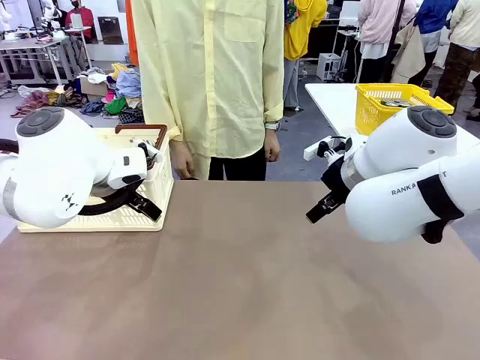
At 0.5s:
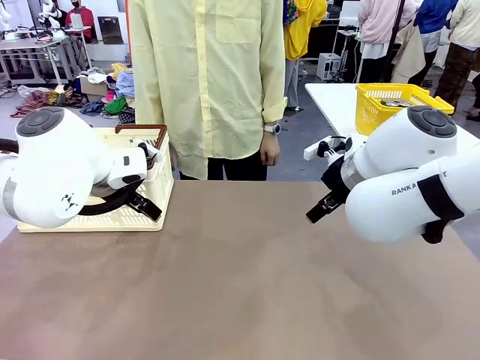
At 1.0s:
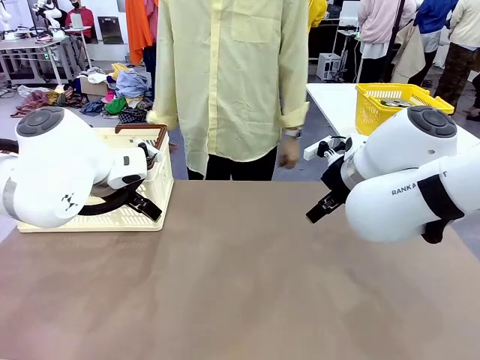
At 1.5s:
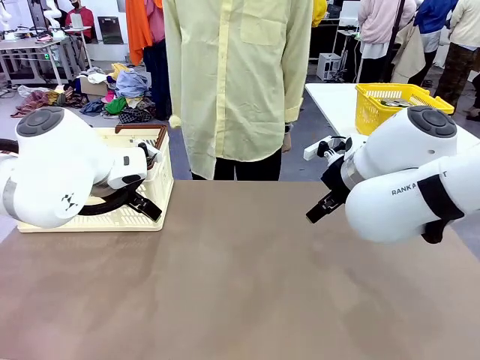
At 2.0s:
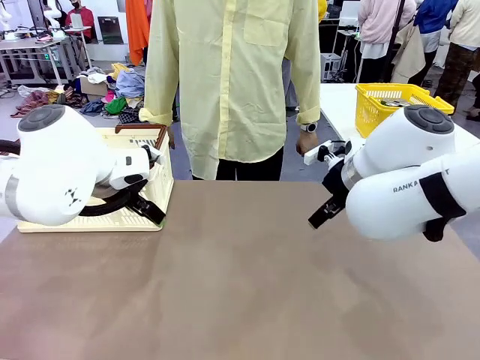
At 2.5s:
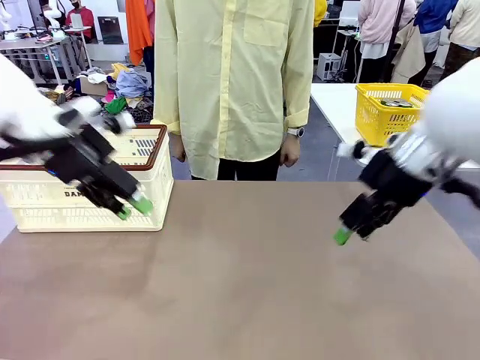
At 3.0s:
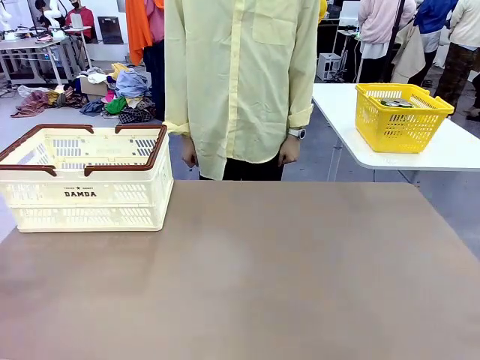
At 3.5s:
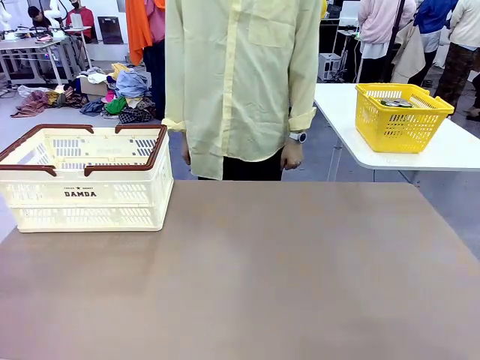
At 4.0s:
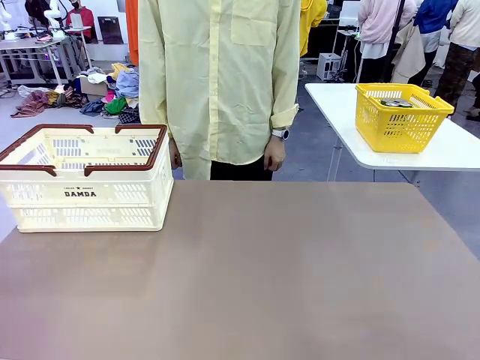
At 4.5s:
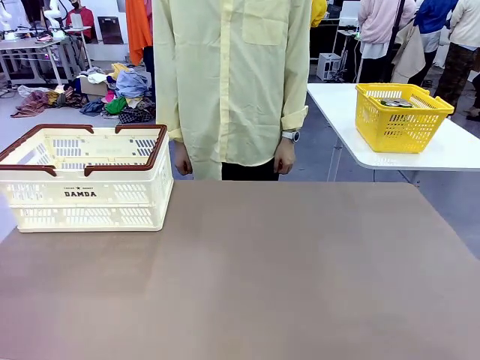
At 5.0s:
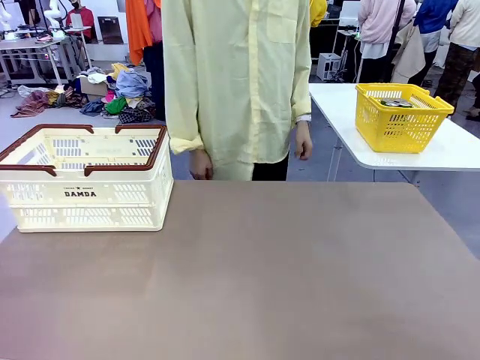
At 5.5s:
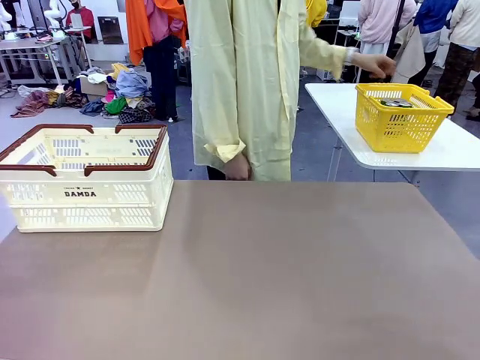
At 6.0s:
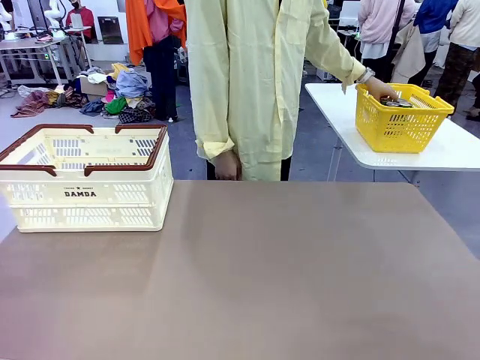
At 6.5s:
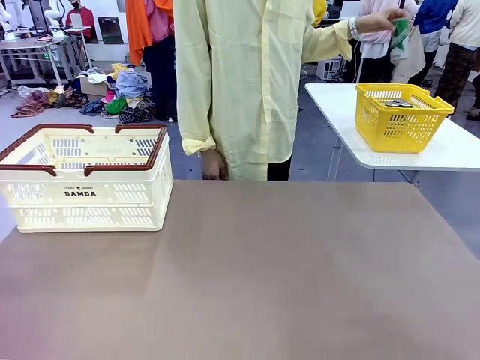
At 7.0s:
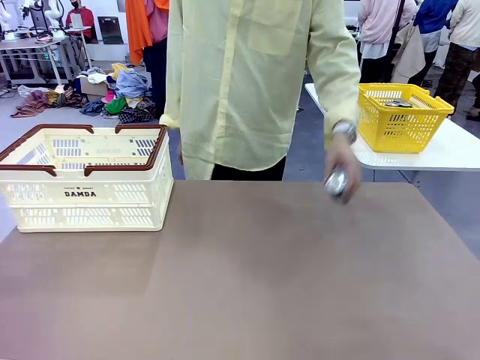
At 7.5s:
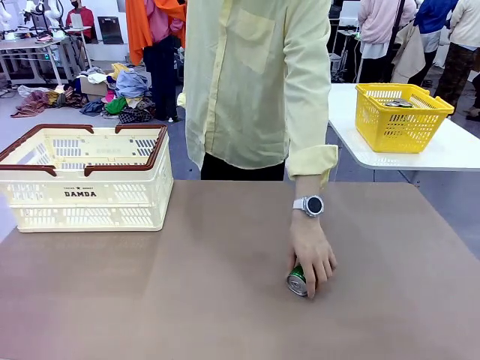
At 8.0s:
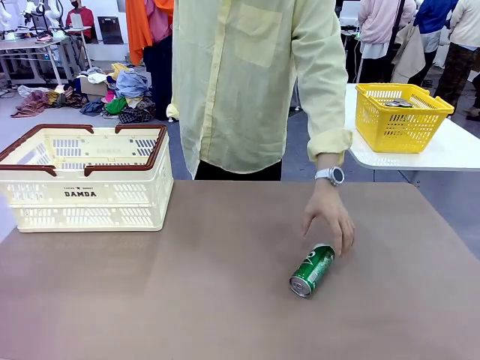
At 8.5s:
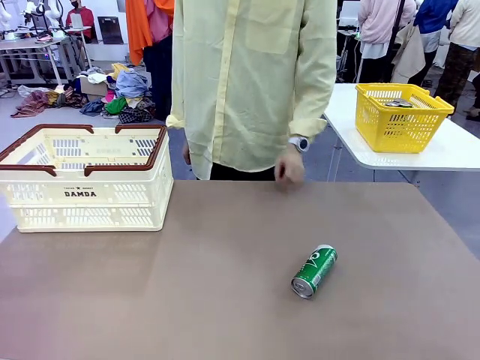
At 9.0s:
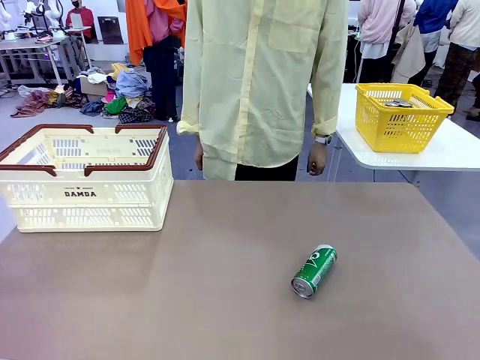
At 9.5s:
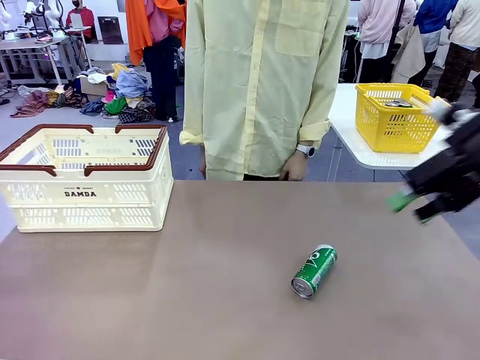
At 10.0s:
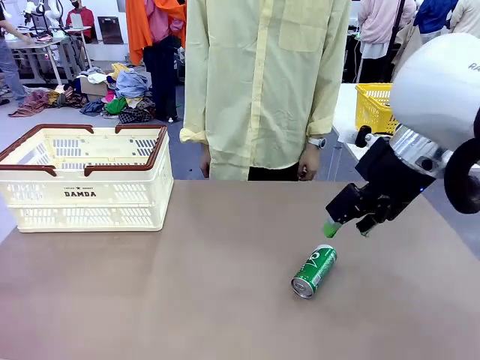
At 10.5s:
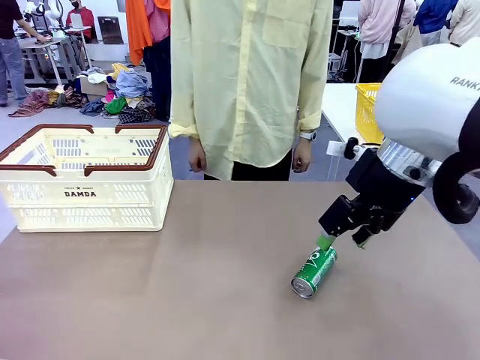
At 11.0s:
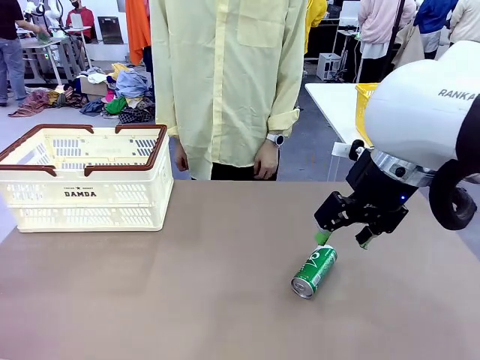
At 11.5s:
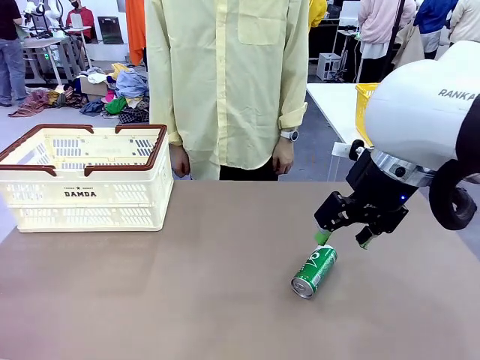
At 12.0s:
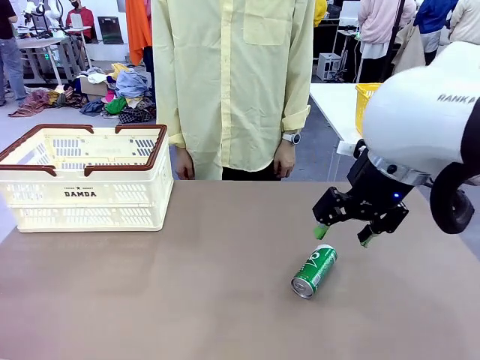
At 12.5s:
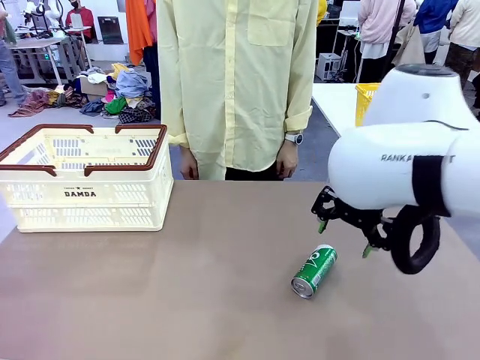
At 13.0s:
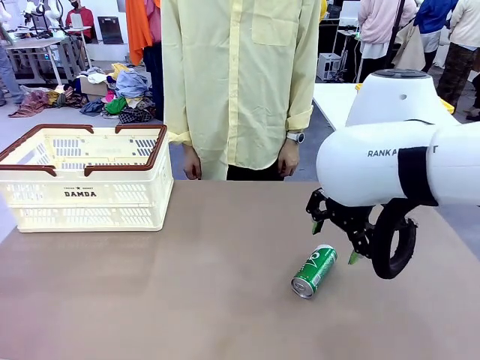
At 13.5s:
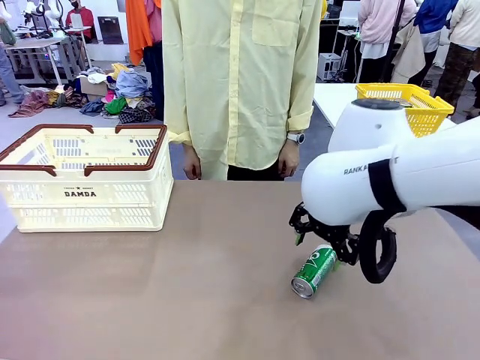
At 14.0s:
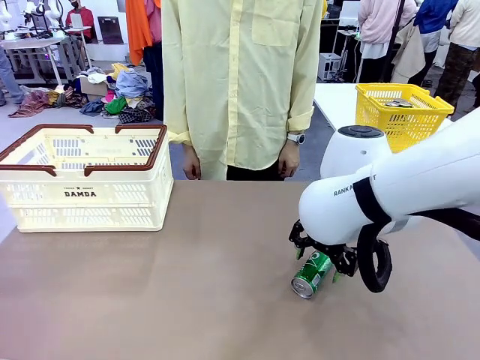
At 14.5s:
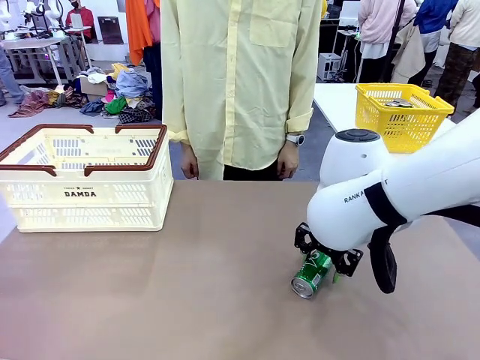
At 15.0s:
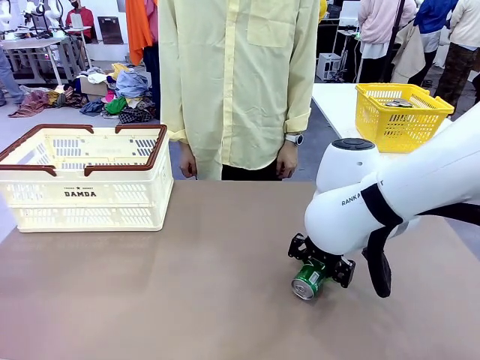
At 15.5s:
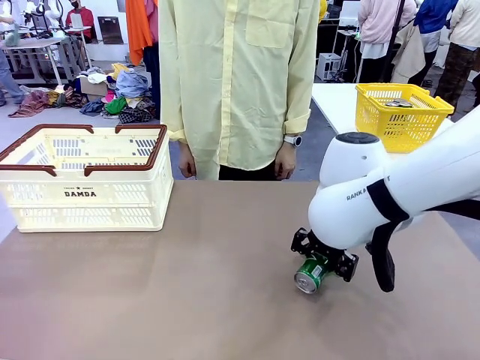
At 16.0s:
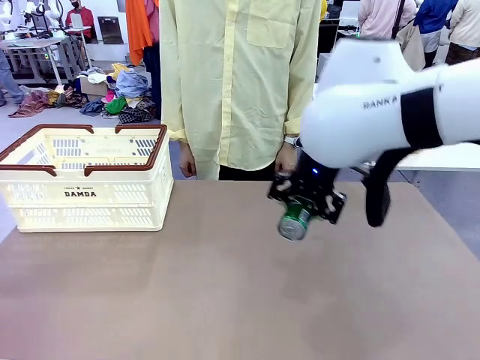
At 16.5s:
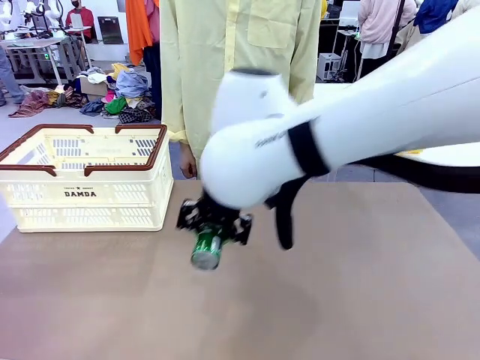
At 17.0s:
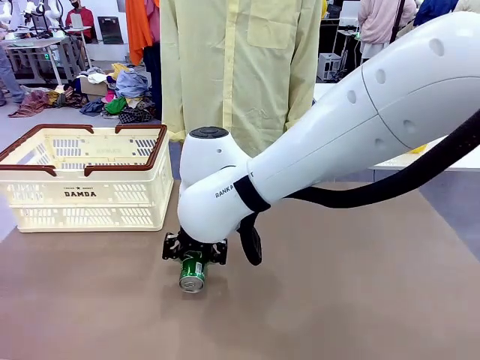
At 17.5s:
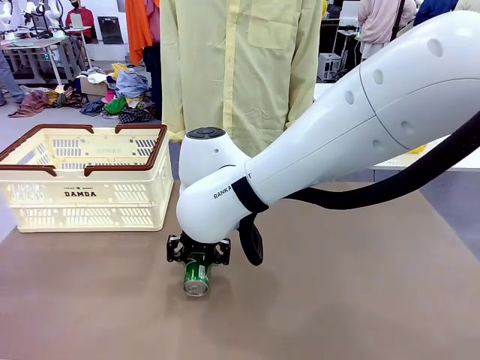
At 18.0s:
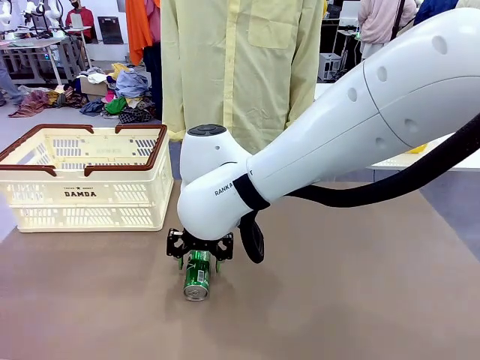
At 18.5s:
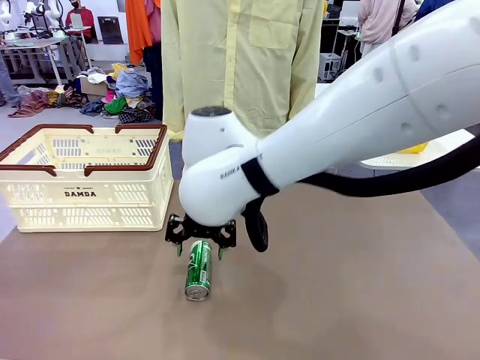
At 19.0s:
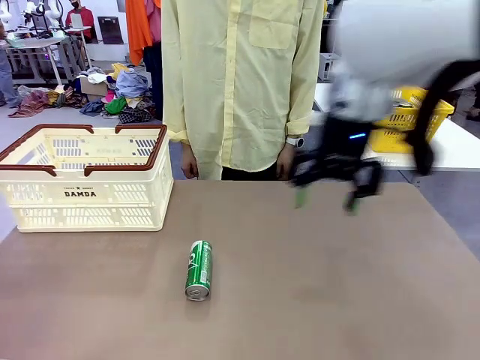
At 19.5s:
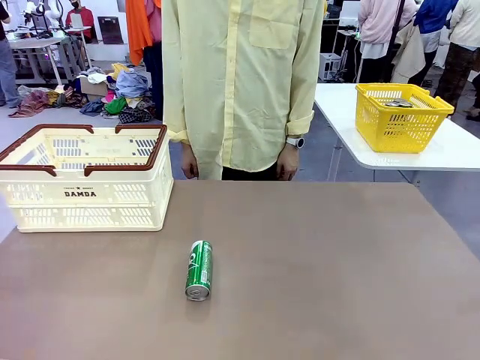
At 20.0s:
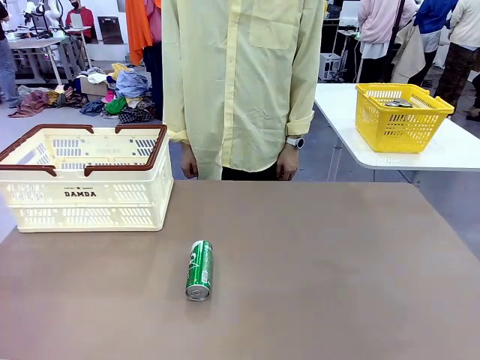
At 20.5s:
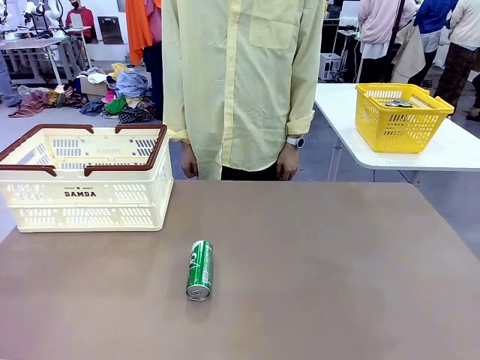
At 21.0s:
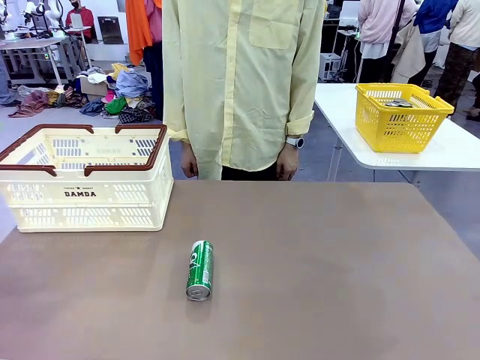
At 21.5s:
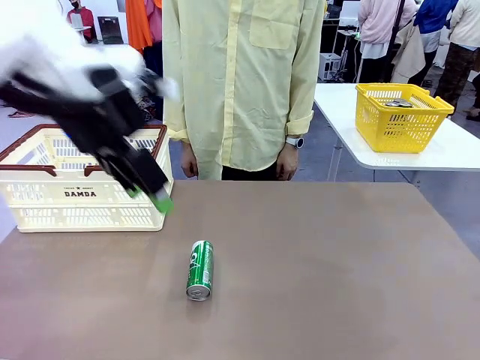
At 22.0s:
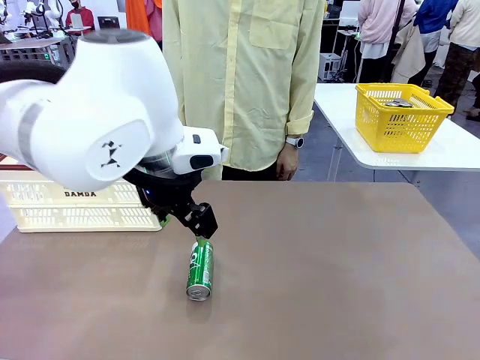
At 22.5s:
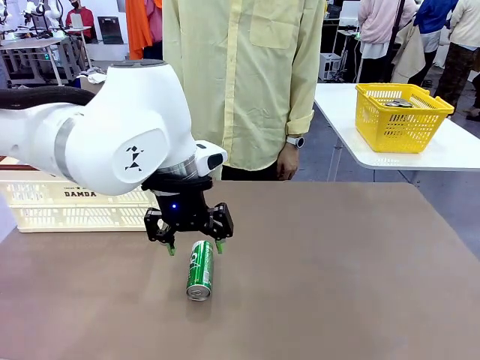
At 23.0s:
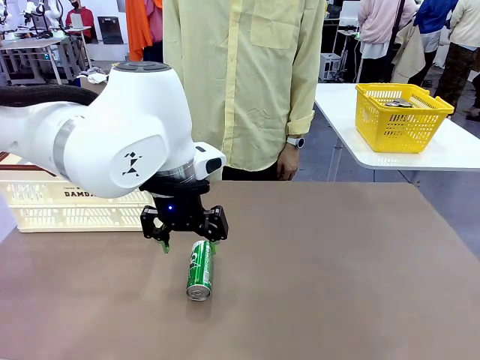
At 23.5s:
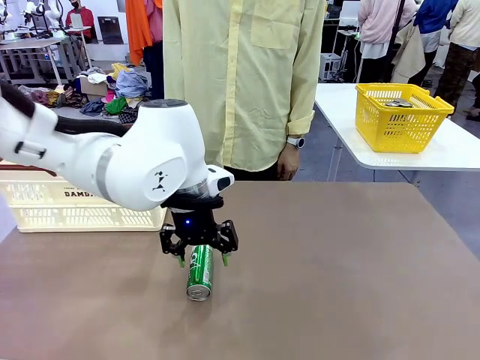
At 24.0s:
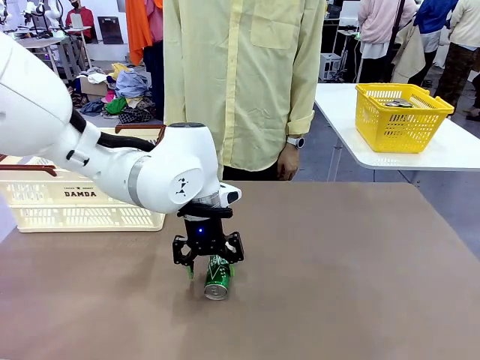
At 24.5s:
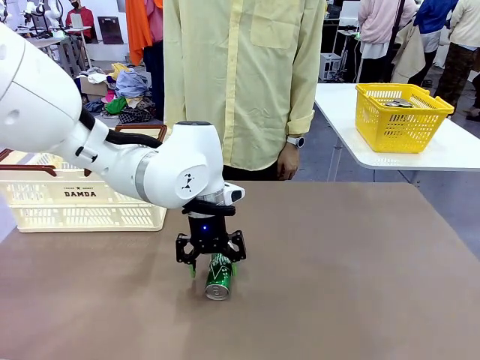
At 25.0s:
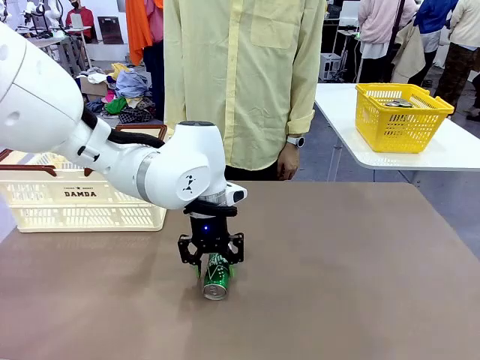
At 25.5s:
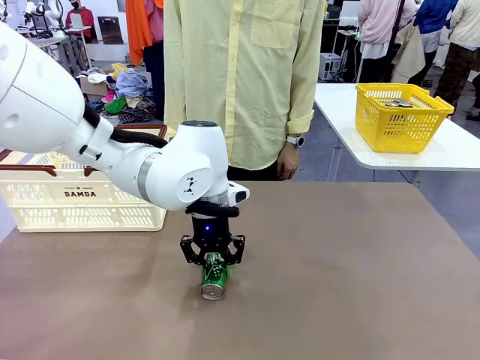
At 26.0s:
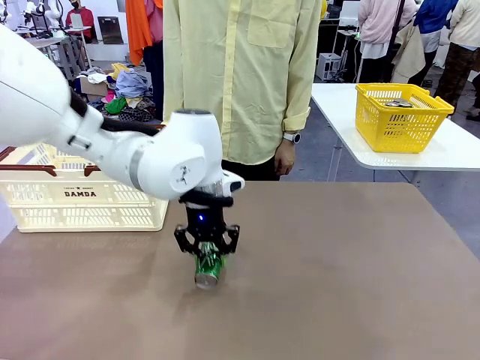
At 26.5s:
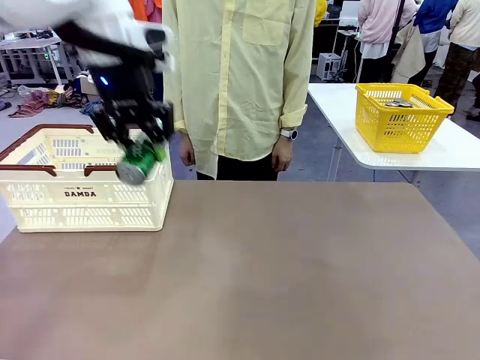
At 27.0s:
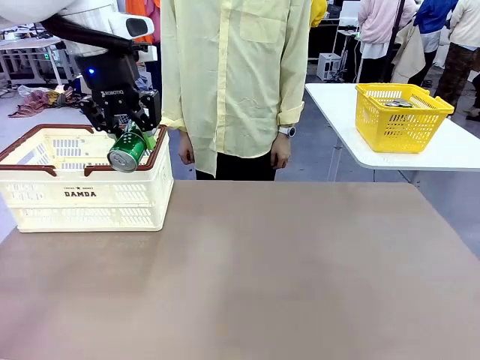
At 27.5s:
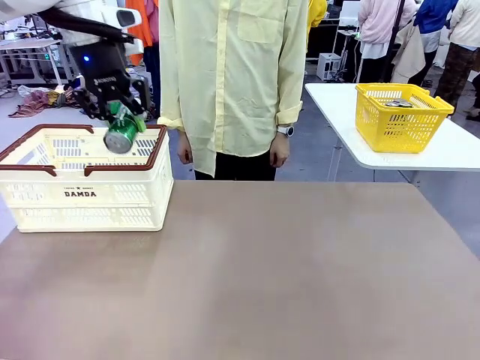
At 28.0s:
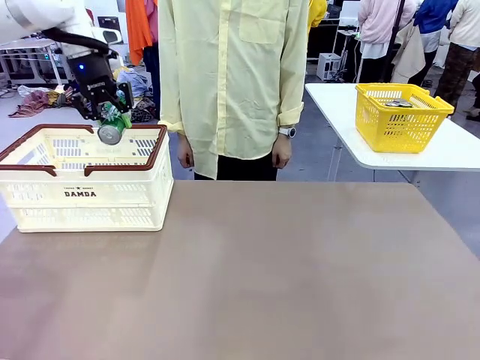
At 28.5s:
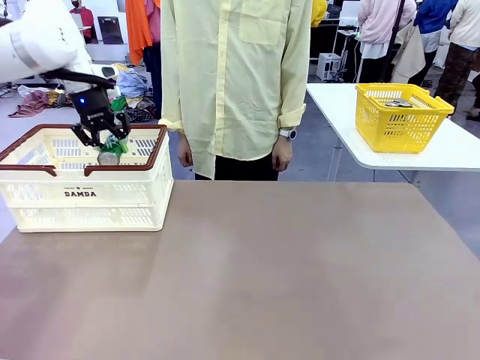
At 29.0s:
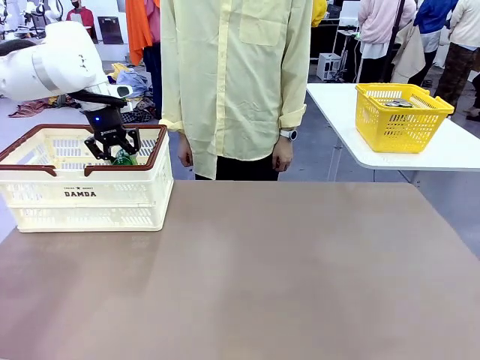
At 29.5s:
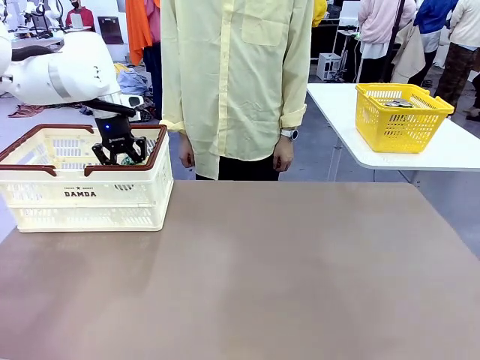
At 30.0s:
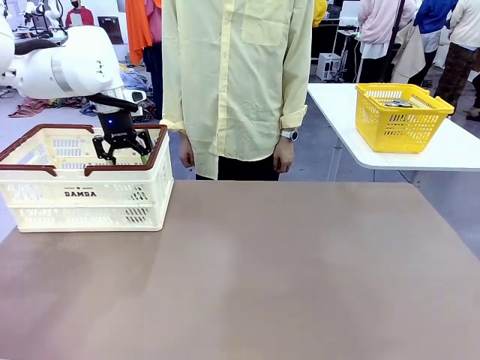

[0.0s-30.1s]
Task: Place the drinks into the Shopping basket.
Robot: Pick up one drink and place it into the Shopping basket.
